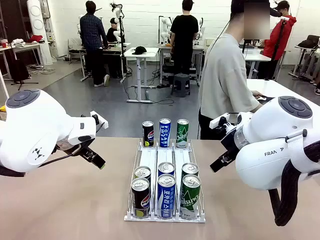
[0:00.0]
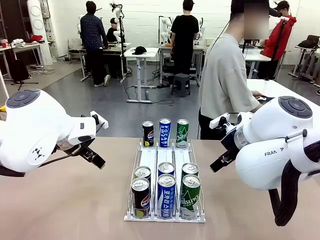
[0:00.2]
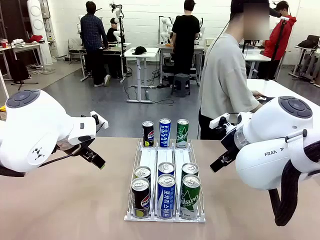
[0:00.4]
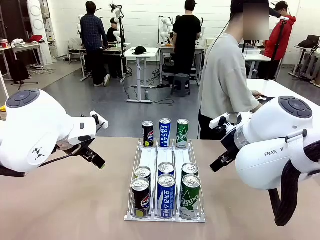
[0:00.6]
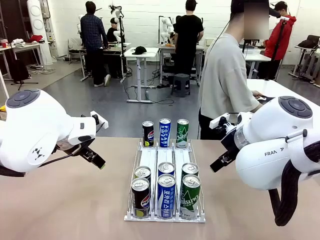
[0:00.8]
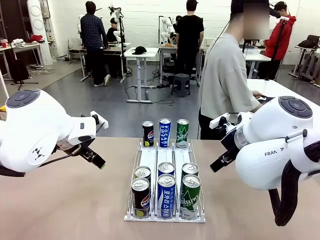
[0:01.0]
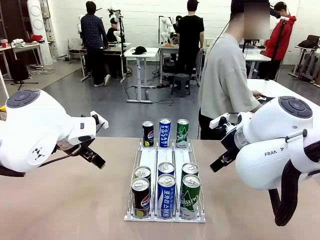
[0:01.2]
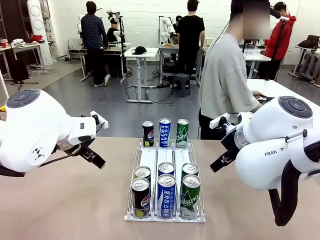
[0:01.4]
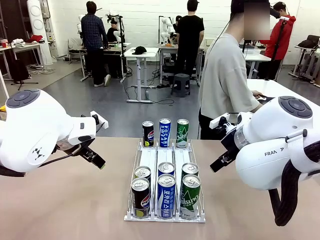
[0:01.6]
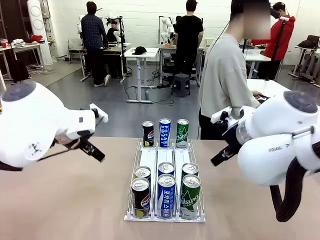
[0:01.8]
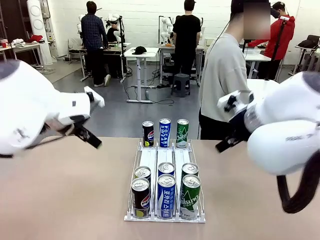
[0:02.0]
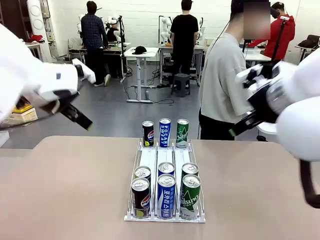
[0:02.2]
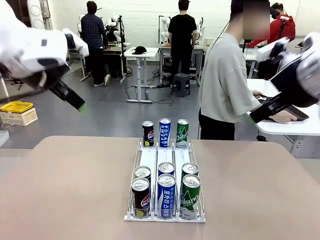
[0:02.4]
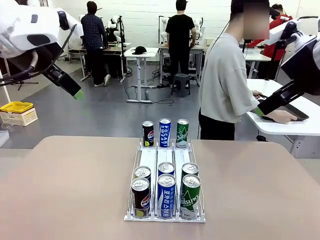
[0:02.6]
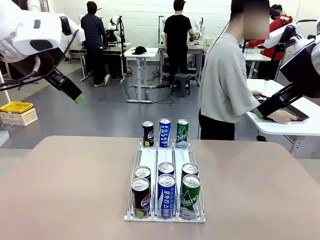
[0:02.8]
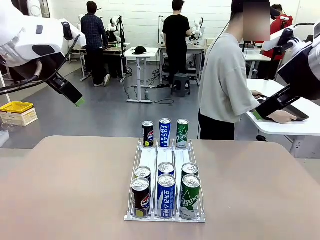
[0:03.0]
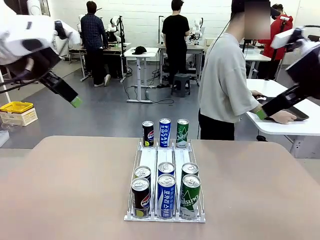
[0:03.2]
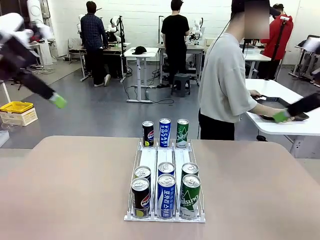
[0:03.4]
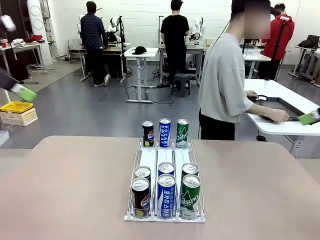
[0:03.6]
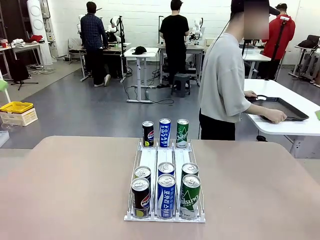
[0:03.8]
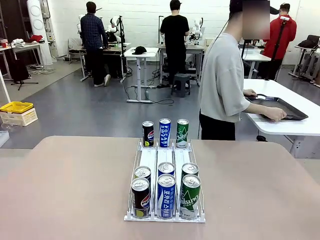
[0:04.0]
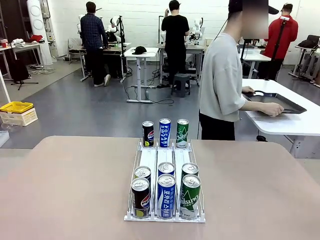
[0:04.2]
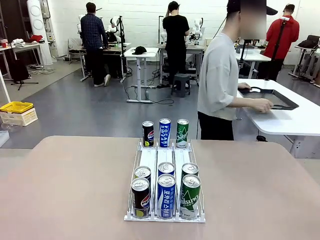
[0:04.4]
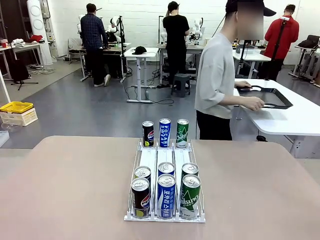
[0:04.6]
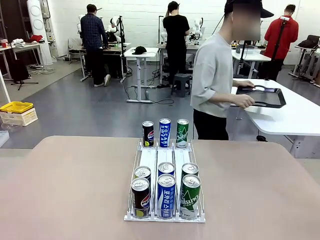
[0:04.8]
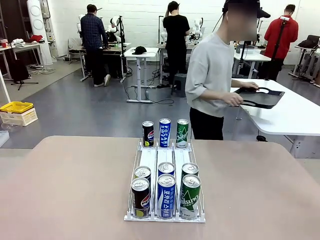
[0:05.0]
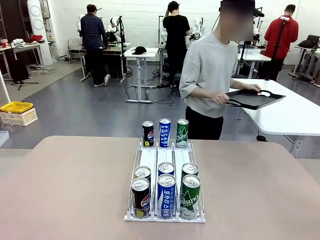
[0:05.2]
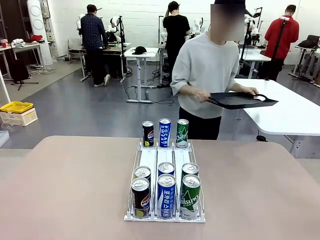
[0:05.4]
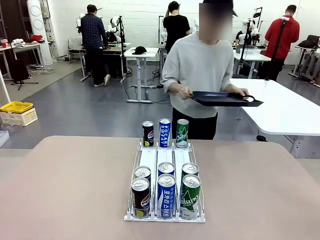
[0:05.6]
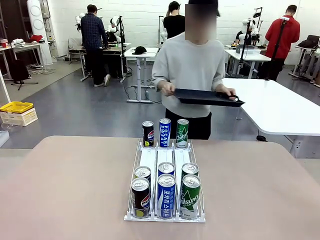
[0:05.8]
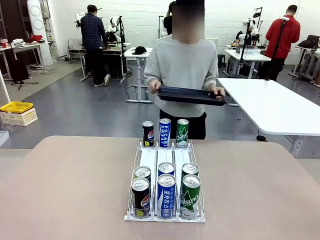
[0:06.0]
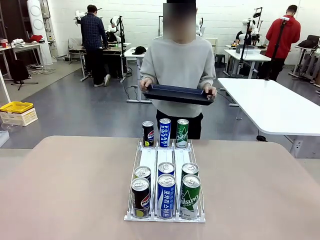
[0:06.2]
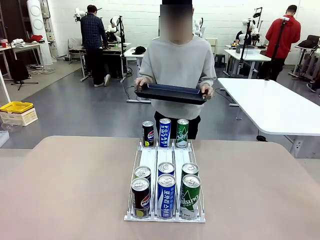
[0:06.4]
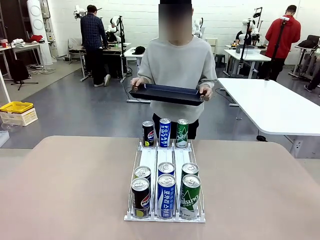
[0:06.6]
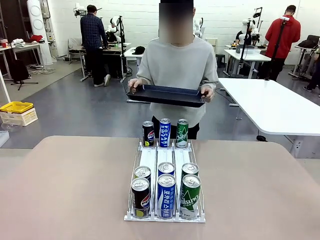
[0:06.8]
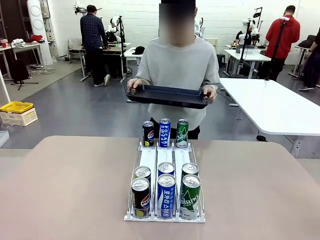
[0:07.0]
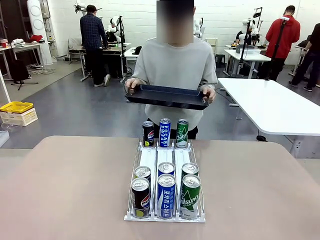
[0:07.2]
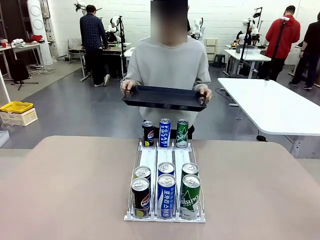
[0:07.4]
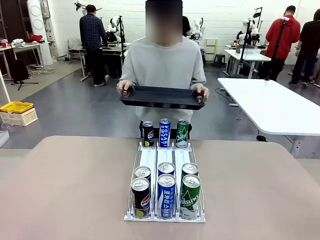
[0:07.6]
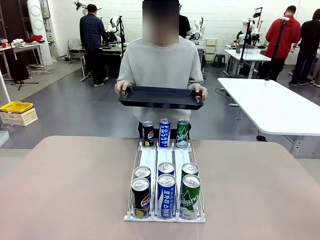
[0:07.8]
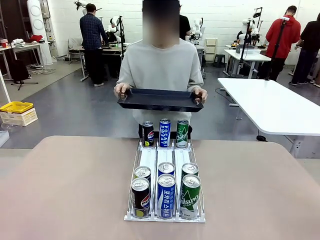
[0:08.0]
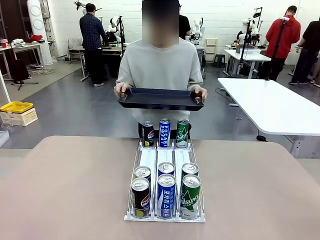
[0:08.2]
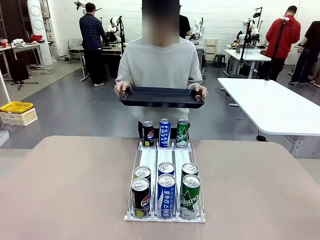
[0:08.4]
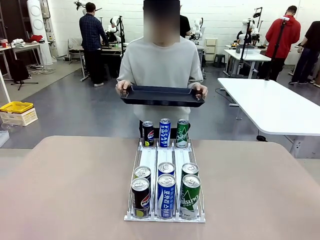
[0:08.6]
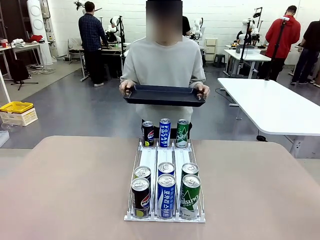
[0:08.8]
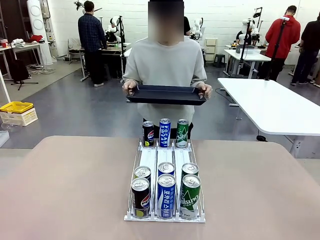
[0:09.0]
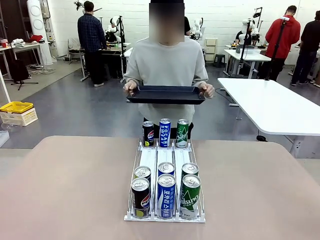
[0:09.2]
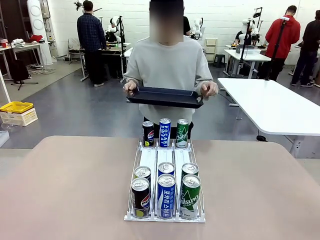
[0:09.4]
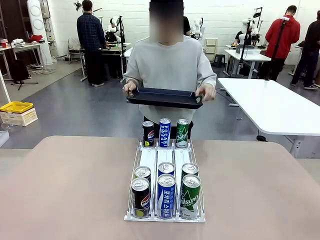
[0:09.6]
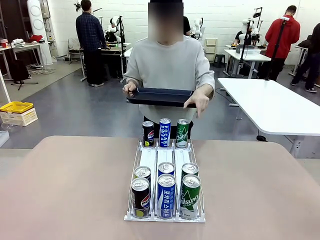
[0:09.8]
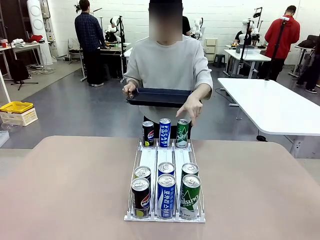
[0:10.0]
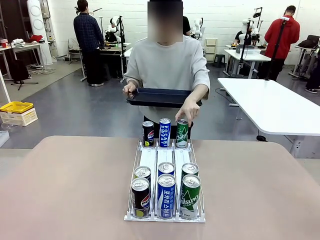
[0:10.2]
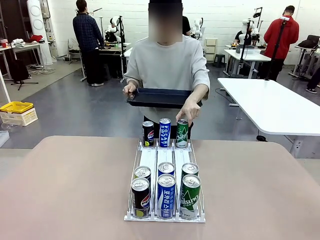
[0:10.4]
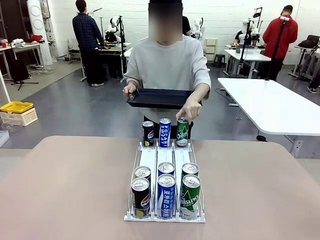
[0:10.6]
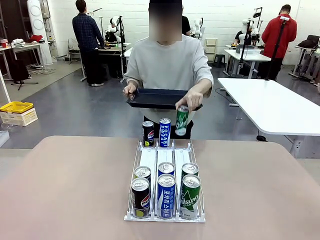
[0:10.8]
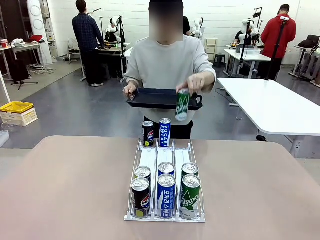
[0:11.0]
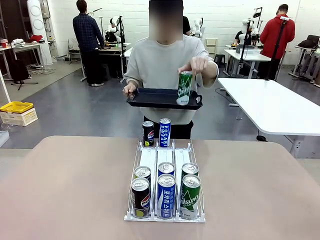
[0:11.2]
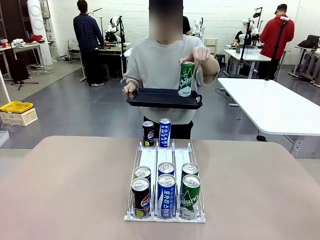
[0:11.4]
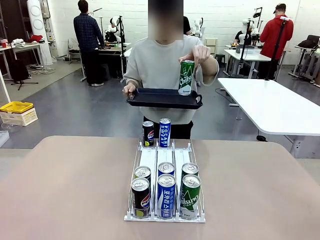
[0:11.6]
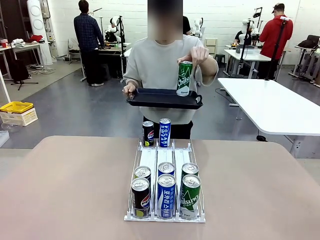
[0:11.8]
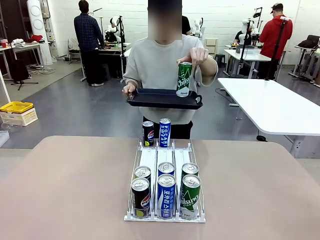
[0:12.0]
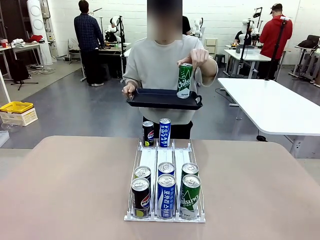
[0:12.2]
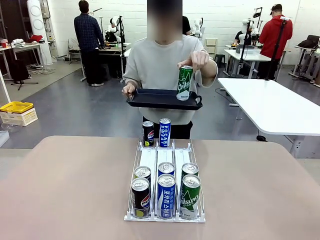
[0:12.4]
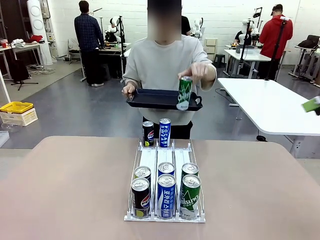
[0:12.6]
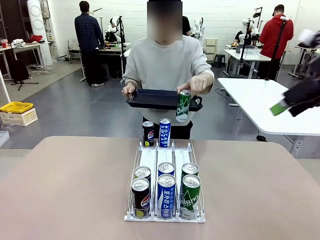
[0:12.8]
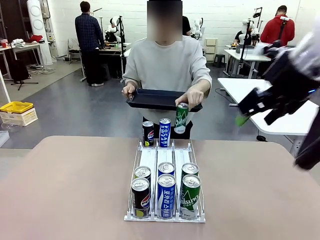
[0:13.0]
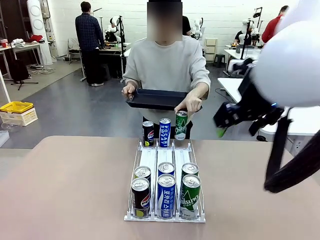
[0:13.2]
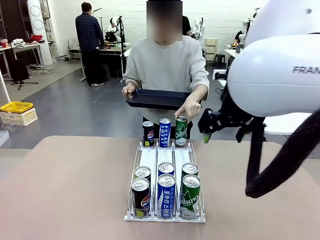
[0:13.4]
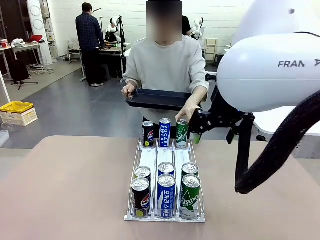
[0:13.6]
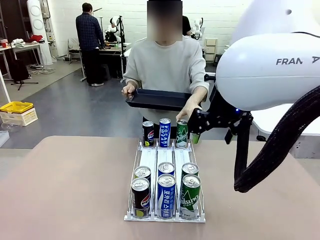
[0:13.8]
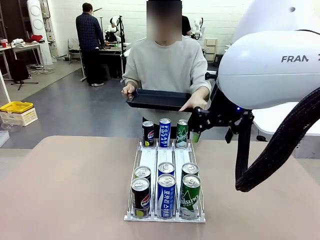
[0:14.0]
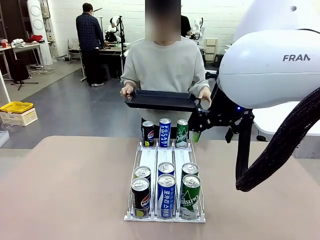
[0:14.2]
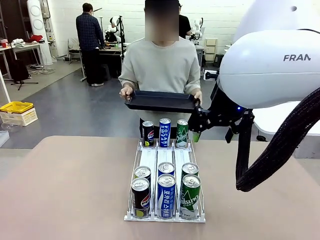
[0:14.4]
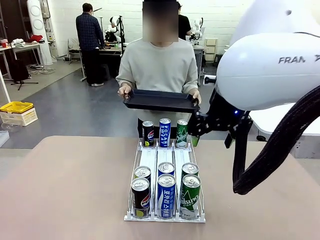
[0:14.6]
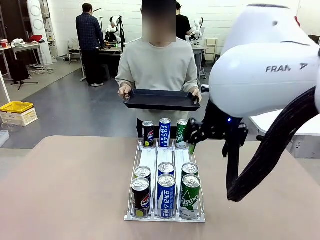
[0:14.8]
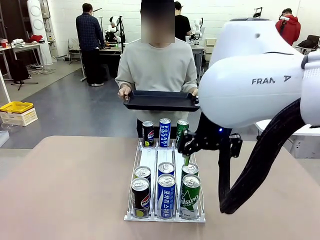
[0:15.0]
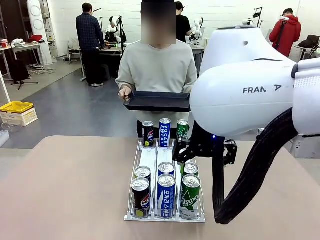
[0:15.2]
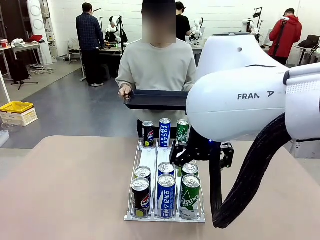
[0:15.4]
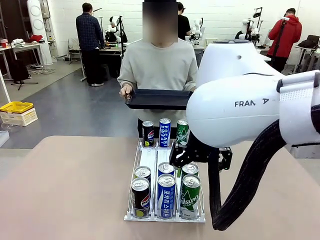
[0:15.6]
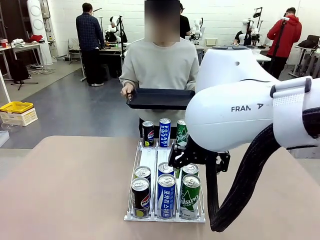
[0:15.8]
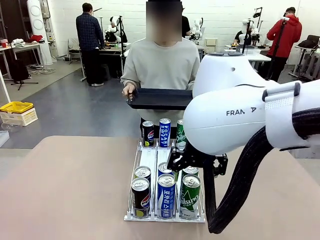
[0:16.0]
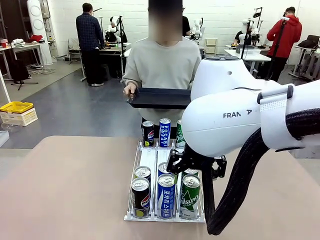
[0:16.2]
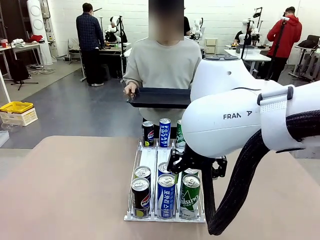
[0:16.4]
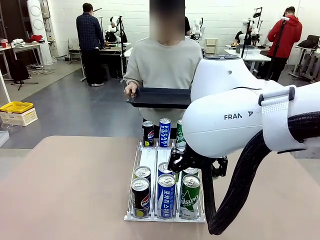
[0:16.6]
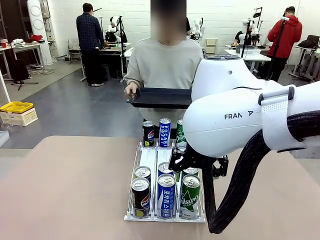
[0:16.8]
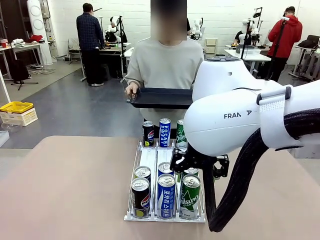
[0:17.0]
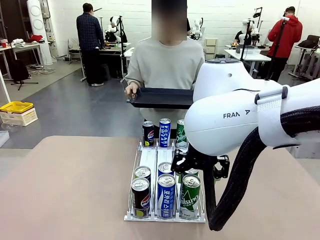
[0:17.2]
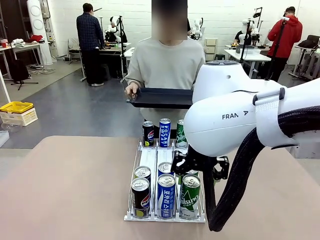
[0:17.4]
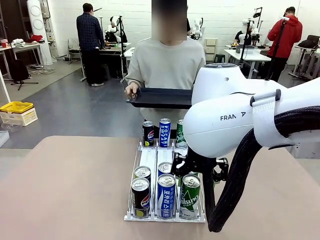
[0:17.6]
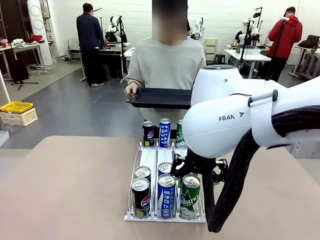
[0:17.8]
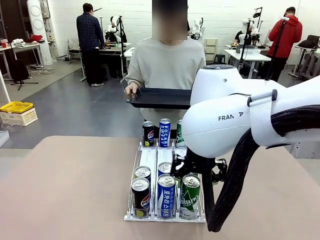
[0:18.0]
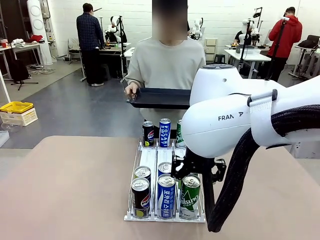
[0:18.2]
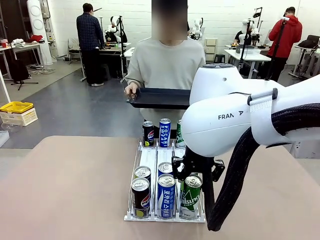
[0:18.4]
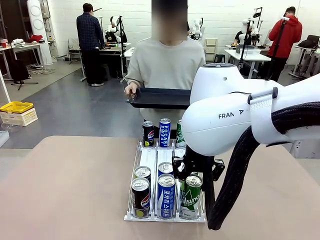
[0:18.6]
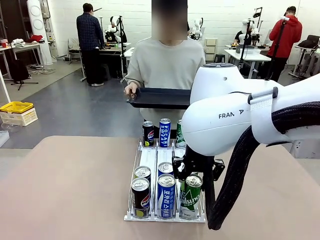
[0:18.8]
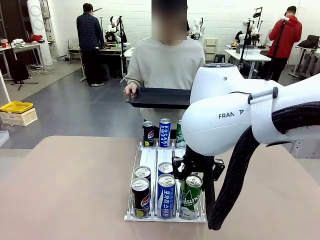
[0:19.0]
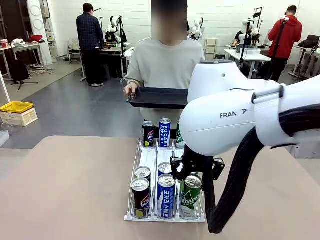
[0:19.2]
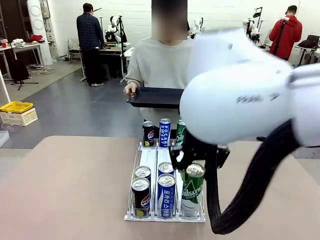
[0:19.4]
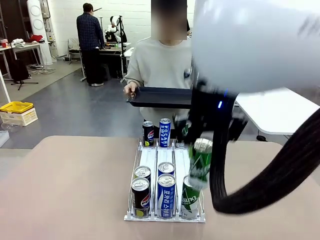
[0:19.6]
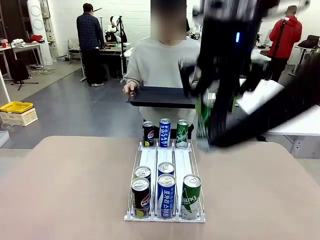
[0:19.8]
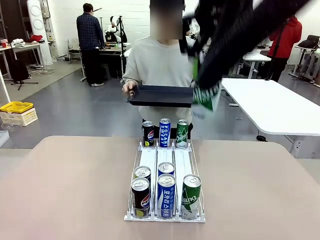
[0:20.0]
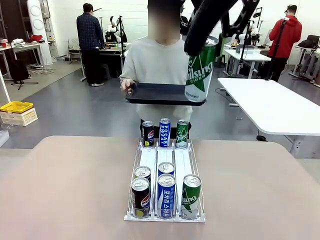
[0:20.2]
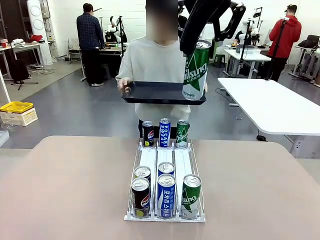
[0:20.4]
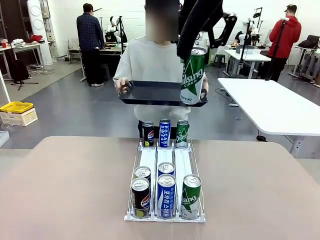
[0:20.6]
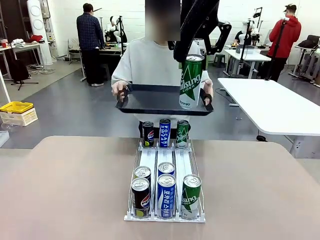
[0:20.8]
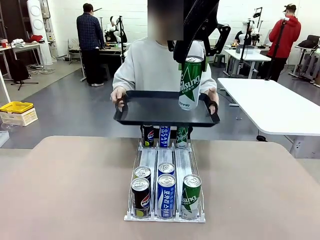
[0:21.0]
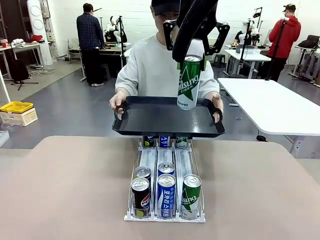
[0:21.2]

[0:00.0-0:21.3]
Task: Retrieve and hand over the desired beverage to the person.
Robot: Pick up a can of the same type that the person held from the Automatic Can Dispenser.
Person: Hold the tray and position yourself in front of the robot table. Pick up one can from the bottom area of the table and puts it back in its original place. Push the tray toward the robot.
